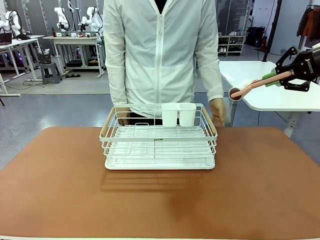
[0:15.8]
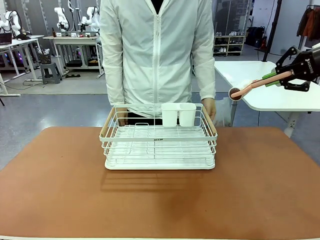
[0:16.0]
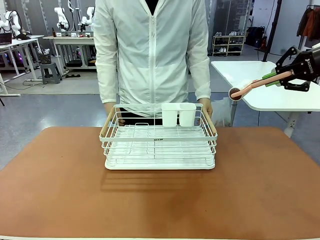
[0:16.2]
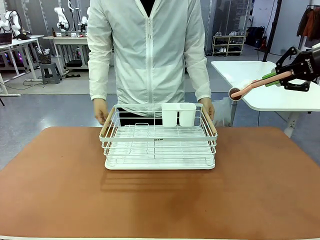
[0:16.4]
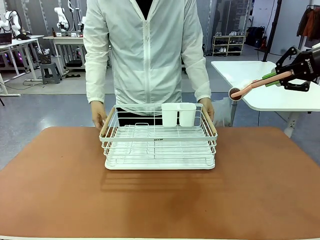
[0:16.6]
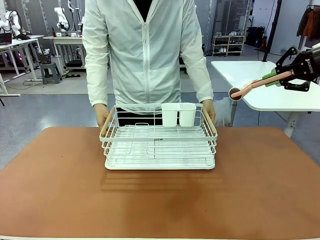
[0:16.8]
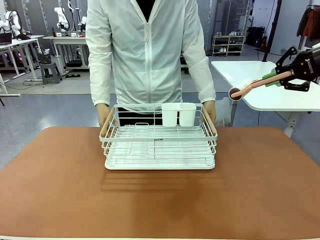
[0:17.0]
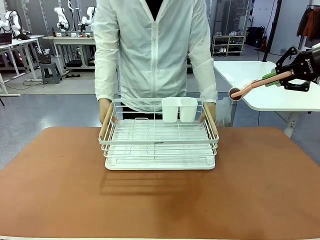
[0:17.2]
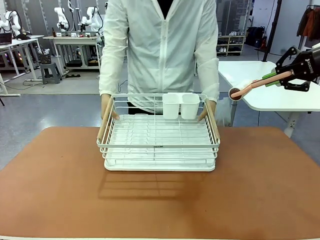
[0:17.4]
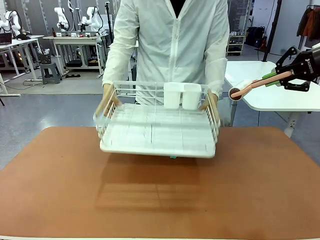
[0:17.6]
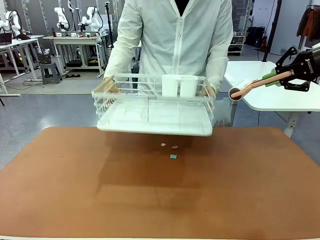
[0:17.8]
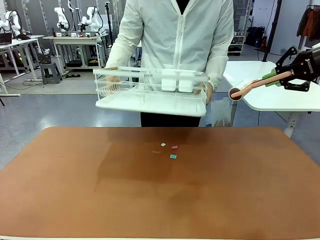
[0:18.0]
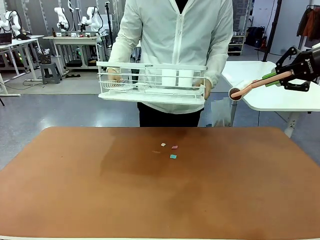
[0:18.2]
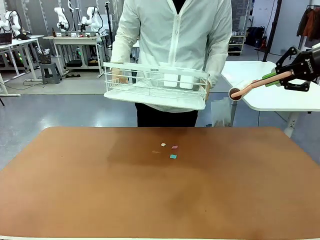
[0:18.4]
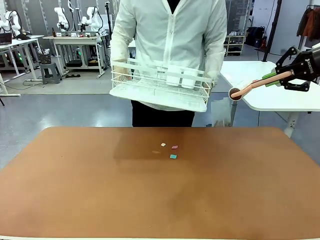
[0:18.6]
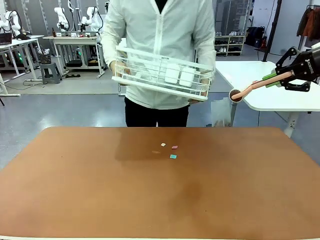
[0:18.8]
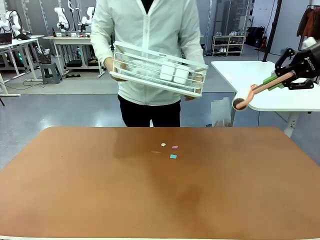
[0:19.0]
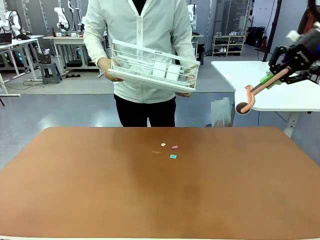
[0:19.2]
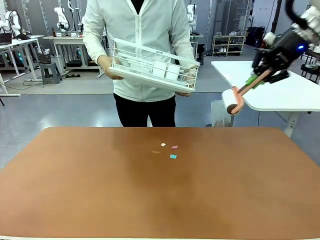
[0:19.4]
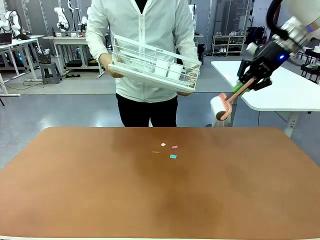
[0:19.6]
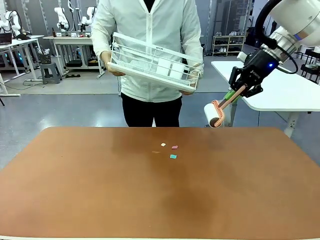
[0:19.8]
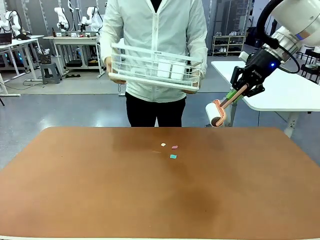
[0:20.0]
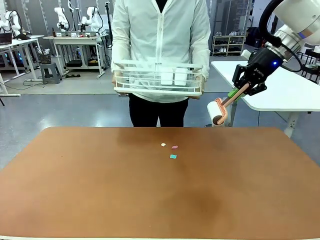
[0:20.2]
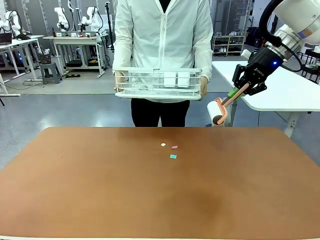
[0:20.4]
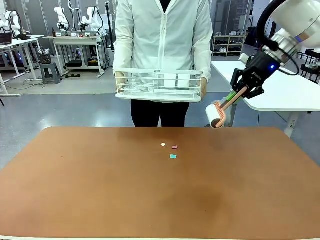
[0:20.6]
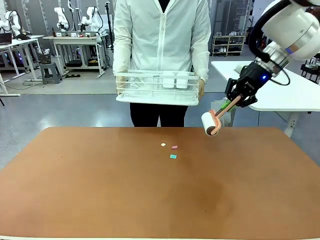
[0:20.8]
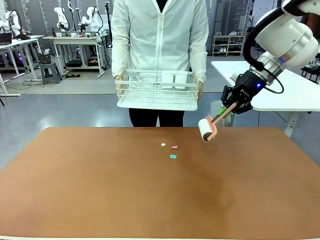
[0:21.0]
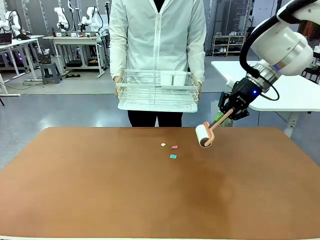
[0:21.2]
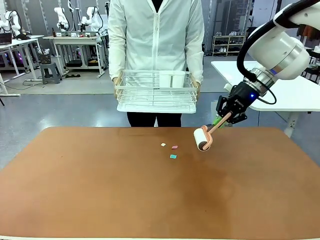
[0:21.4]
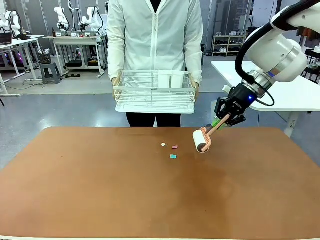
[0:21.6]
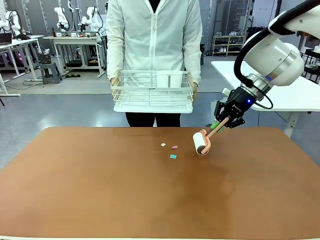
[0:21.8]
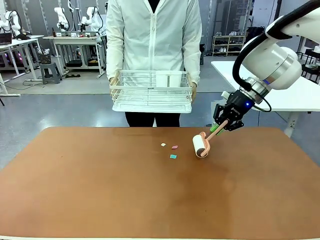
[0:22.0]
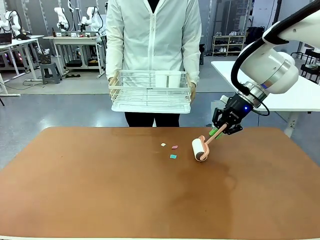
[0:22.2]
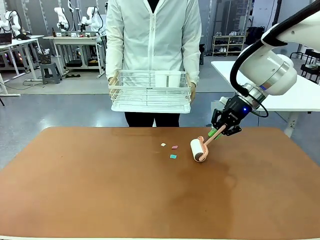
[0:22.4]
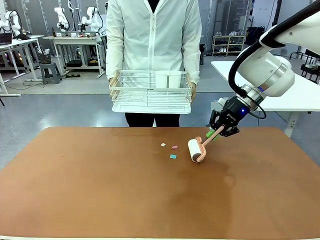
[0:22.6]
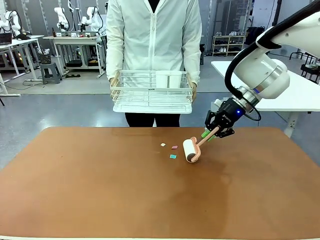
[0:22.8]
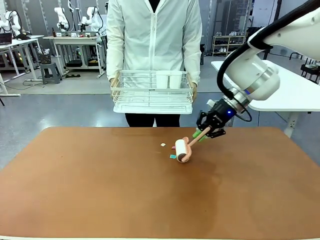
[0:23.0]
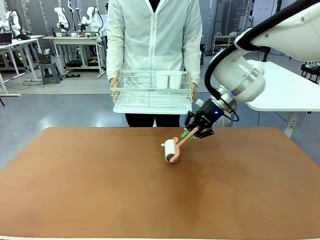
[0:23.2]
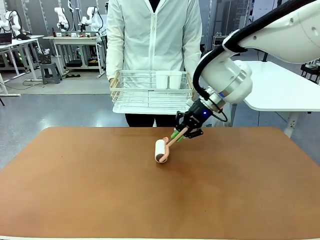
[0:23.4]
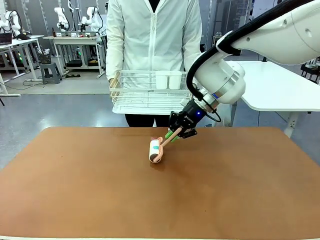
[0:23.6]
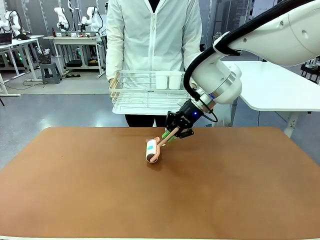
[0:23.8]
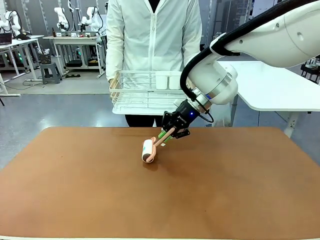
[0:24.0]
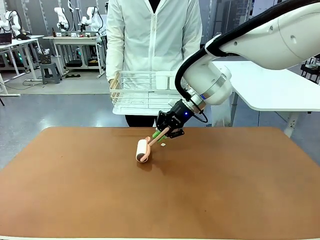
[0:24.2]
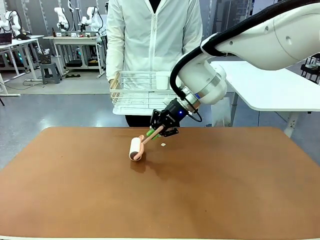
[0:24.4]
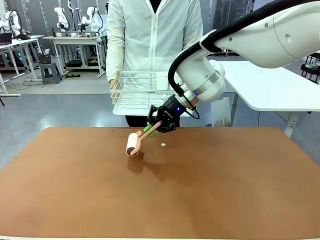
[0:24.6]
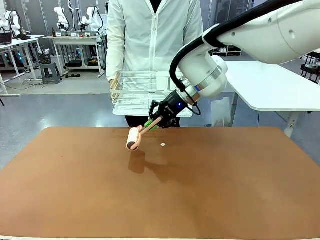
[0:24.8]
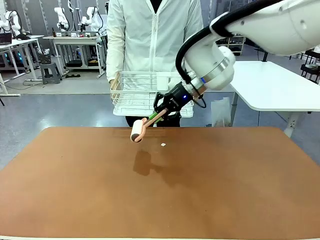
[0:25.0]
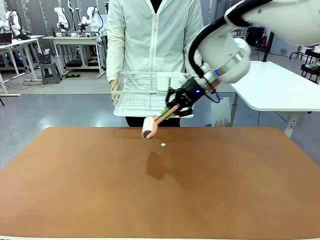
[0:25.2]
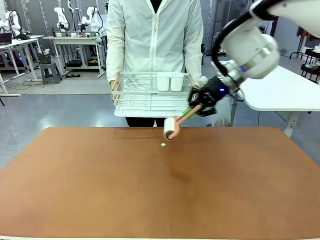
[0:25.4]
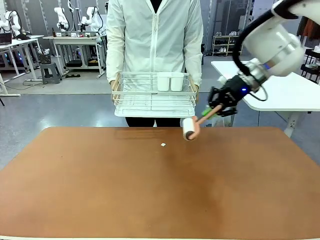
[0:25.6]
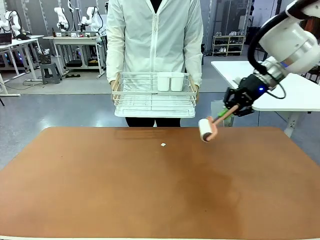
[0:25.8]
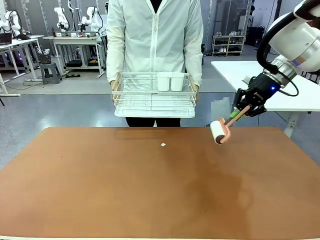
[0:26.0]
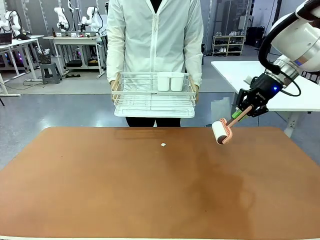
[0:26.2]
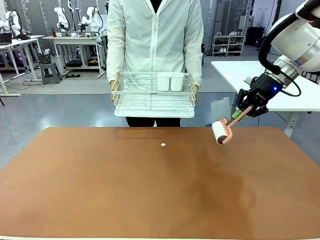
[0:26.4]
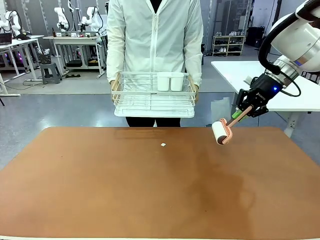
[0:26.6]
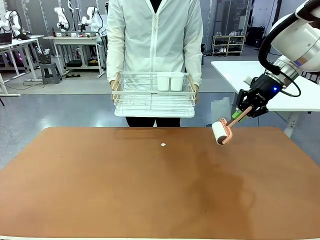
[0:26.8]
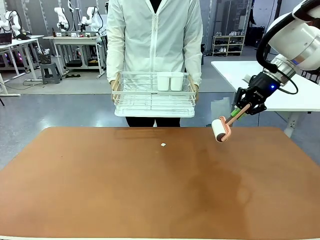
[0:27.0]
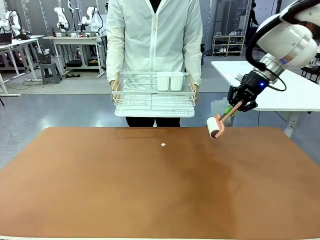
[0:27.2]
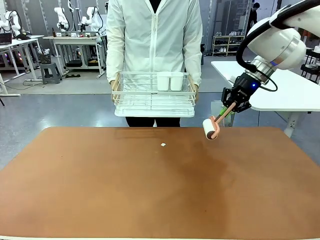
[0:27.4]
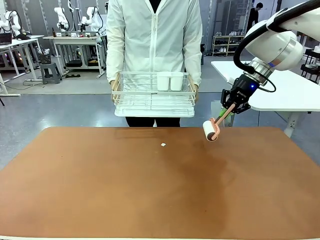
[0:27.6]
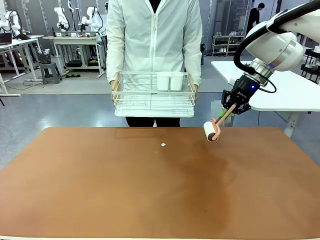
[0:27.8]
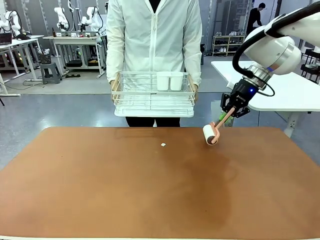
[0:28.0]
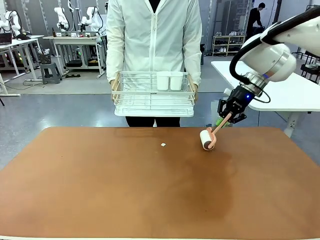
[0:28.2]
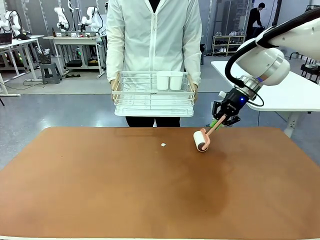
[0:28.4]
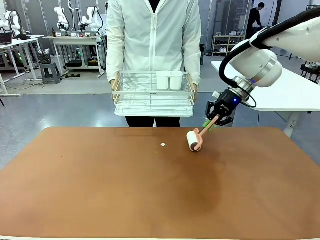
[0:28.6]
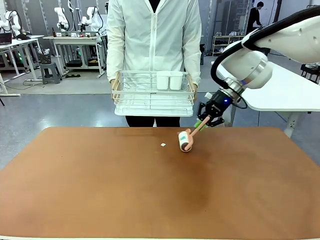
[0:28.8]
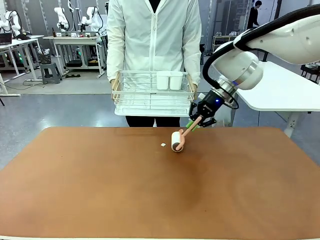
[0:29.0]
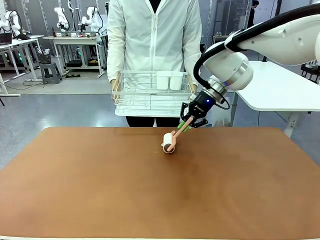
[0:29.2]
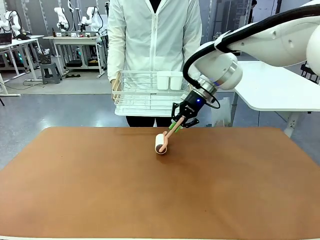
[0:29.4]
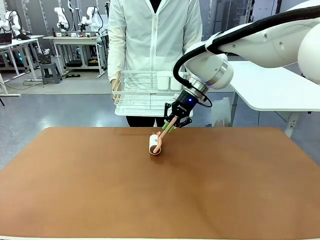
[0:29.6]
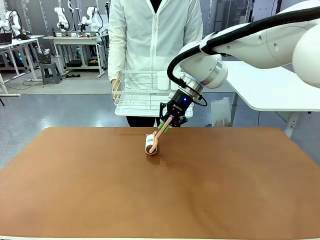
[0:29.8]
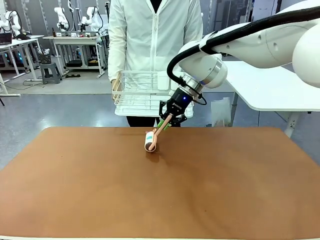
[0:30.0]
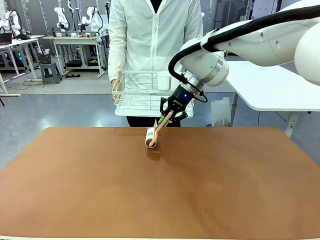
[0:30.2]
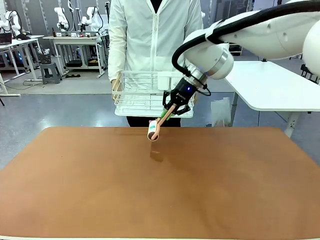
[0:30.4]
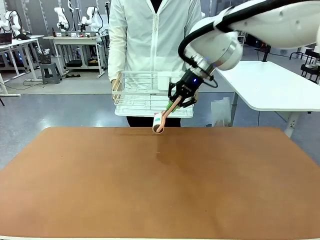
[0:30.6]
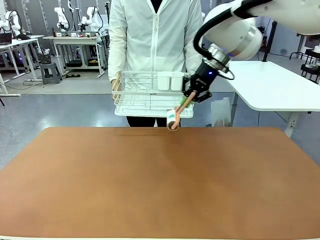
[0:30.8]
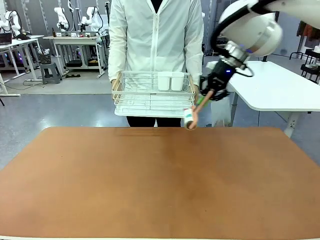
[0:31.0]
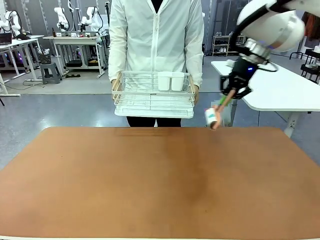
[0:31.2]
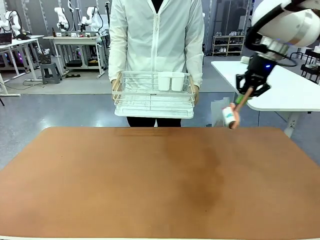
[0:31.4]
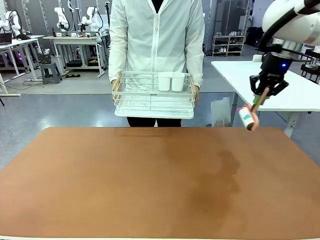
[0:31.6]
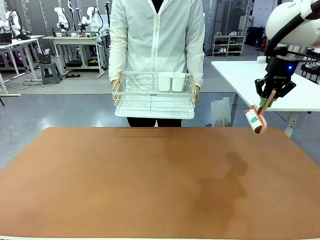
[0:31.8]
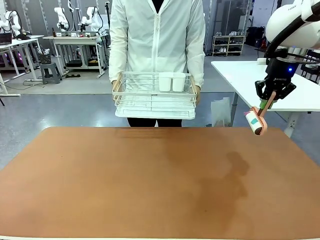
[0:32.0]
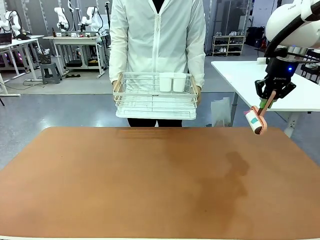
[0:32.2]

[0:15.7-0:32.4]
Task: Clean the table.
Robot: Clean the table with the Lint Roller when the human lifts the Dish drying rack.
Person: Place the Dish drying rack down when the robot finishes cleaning.
